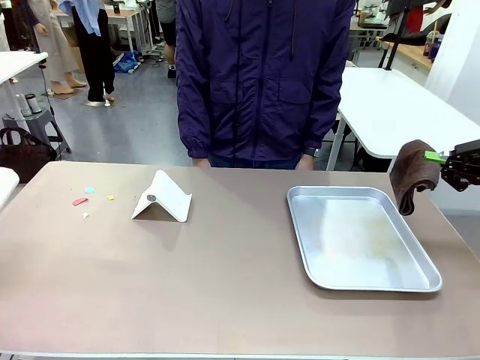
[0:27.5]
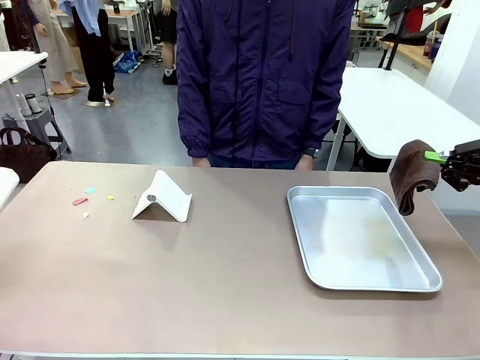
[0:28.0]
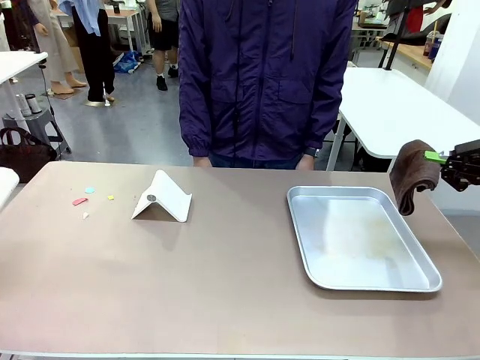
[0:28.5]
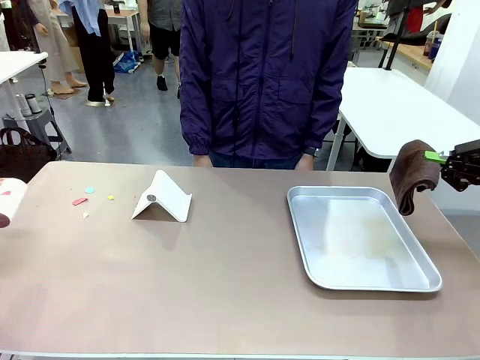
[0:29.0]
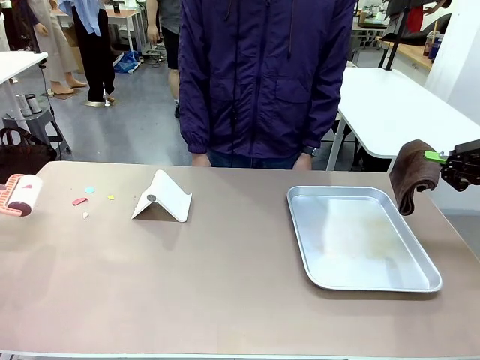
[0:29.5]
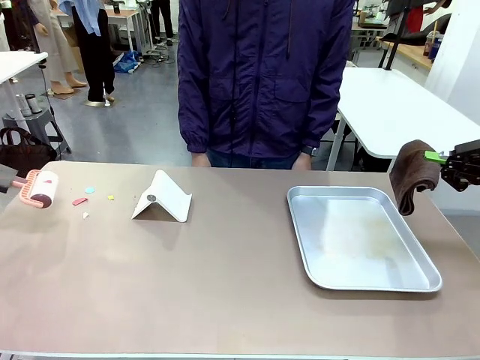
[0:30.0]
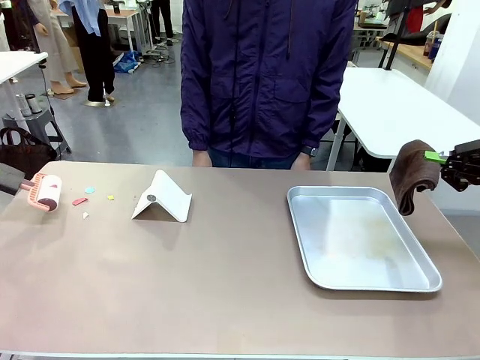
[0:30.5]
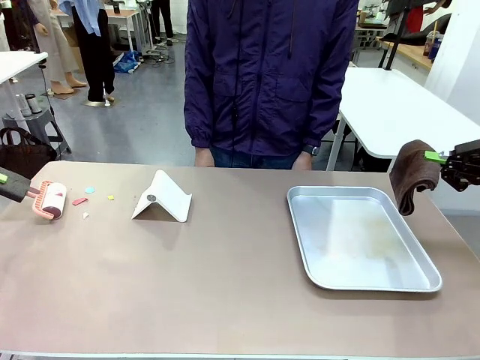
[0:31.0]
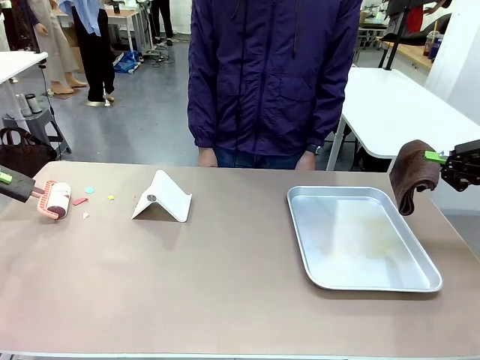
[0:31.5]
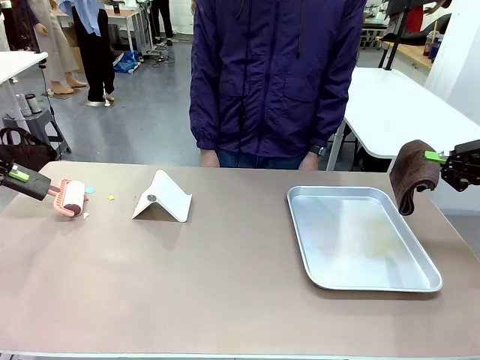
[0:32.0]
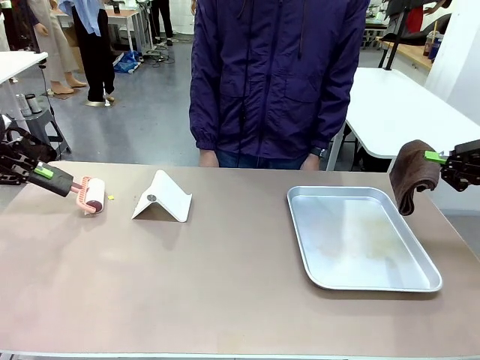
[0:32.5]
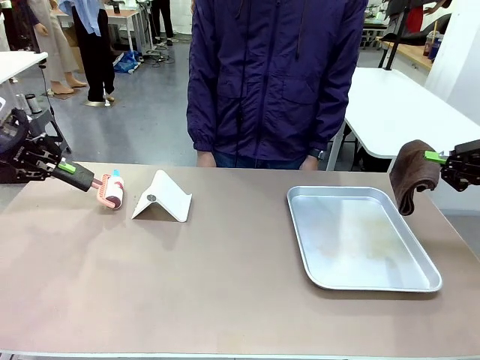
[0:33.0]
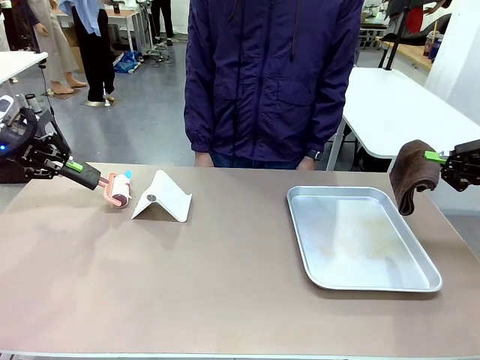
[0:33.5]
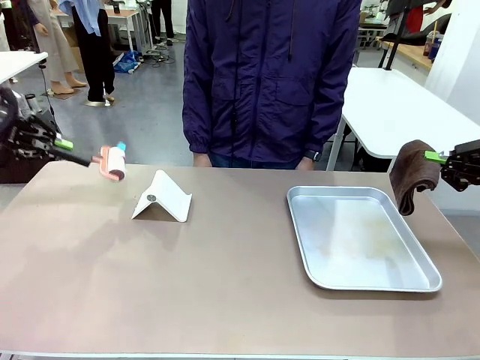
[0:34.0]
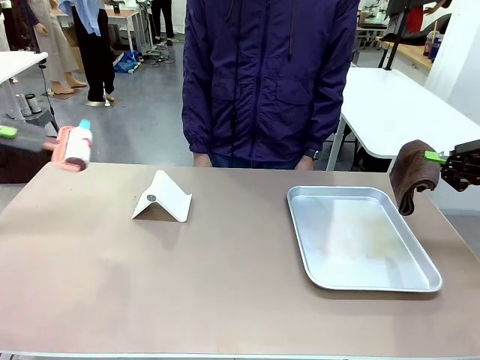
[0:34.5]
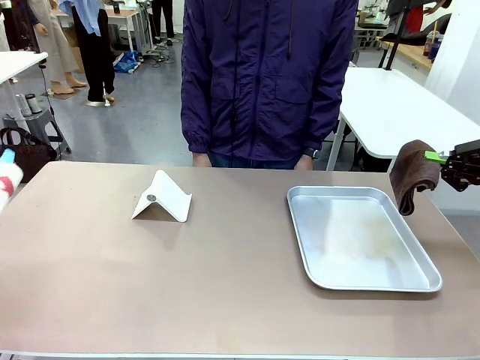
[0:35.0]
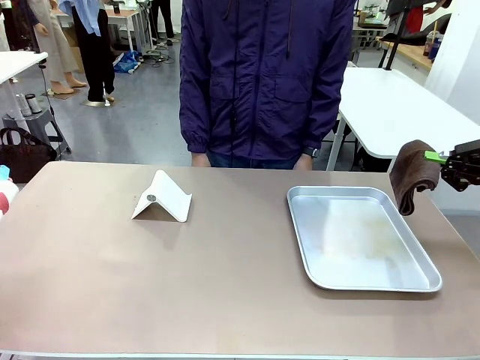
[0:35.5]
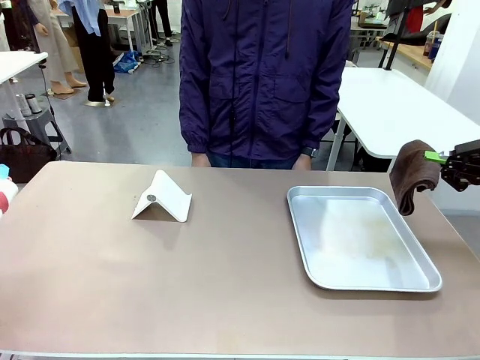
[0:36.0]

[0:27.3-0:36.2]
Task: Clean the surface of the table.
Robot: Clean the area not pointed to by the person.

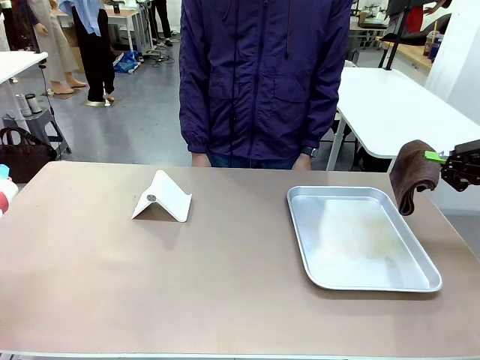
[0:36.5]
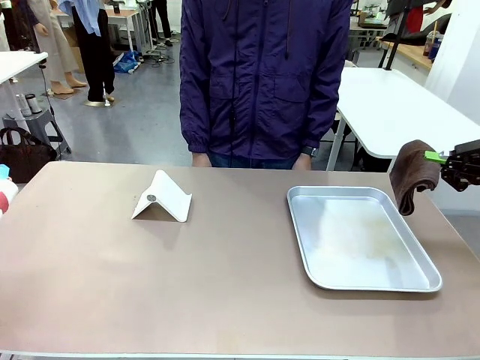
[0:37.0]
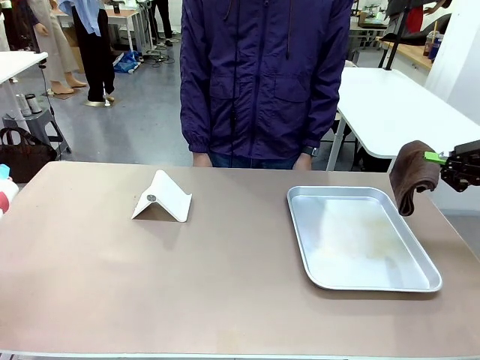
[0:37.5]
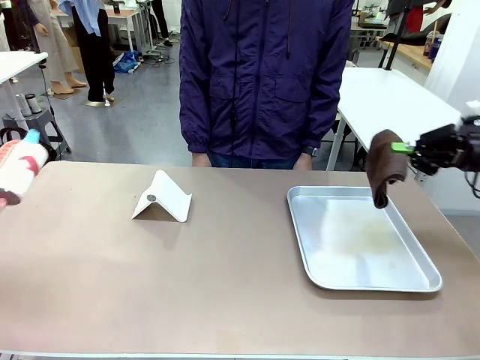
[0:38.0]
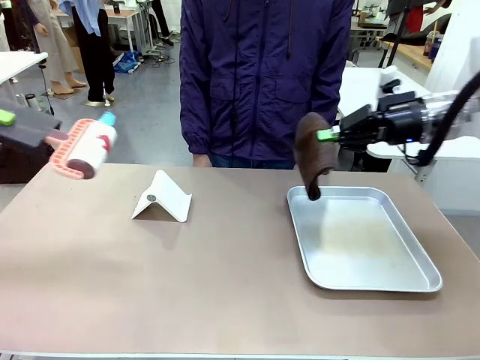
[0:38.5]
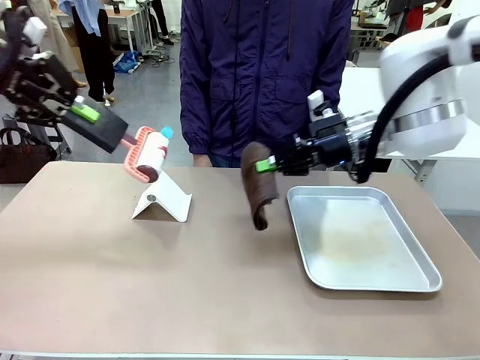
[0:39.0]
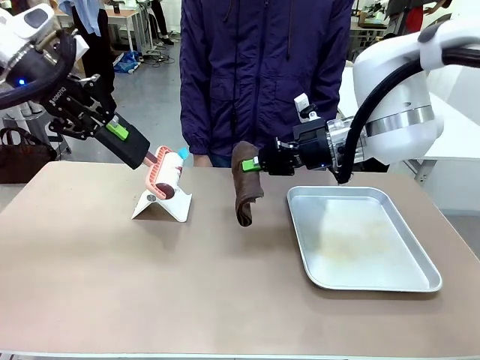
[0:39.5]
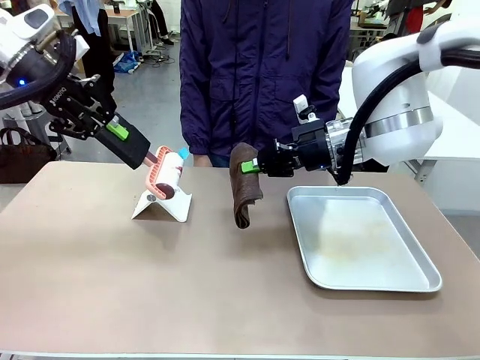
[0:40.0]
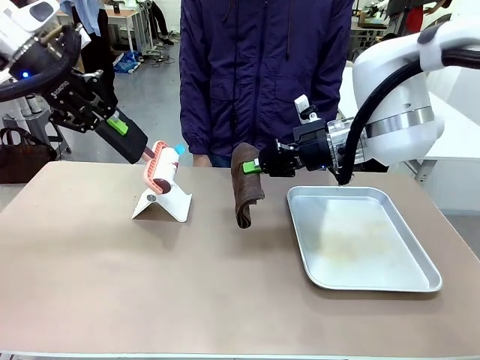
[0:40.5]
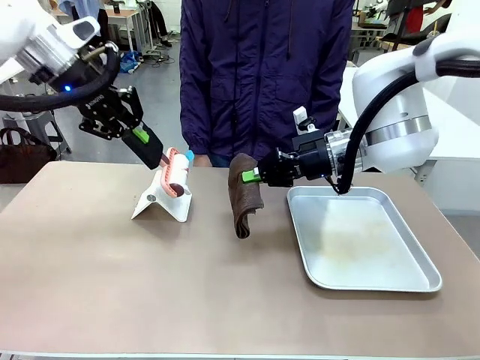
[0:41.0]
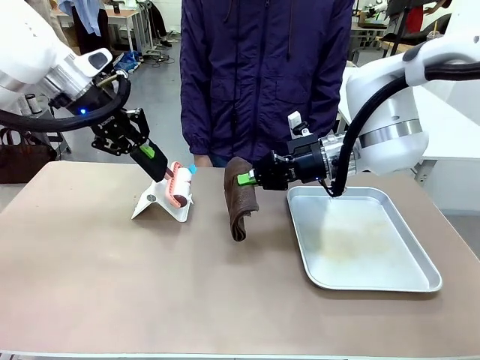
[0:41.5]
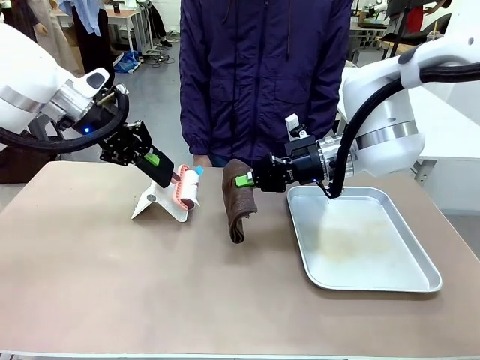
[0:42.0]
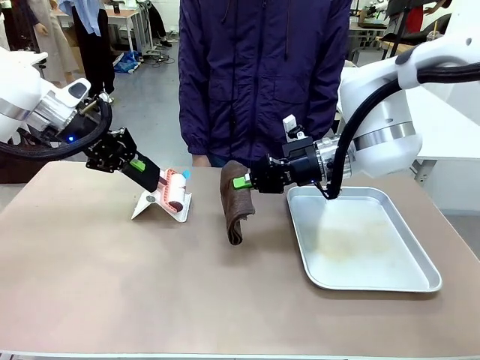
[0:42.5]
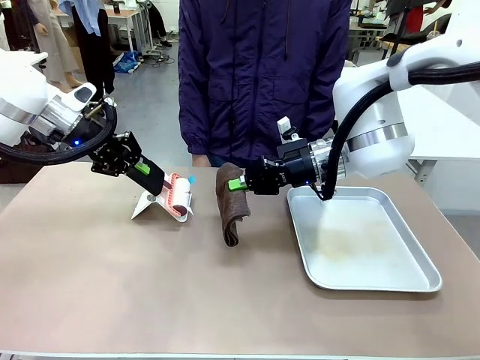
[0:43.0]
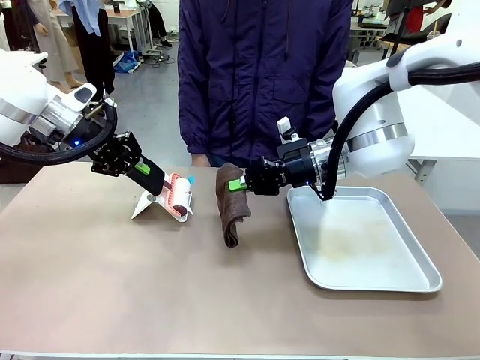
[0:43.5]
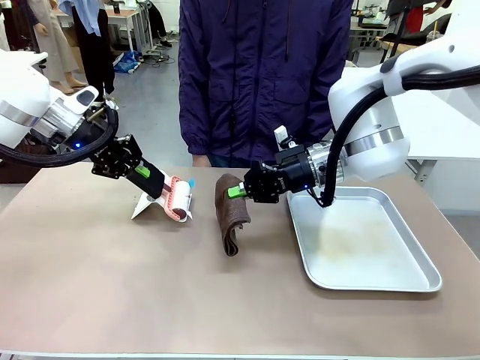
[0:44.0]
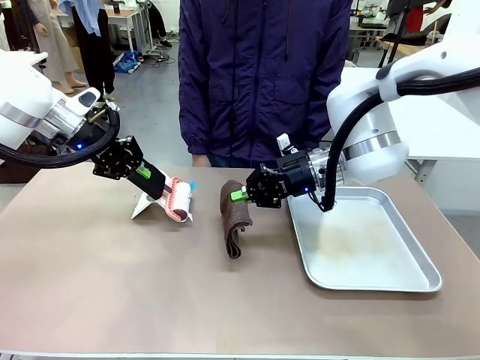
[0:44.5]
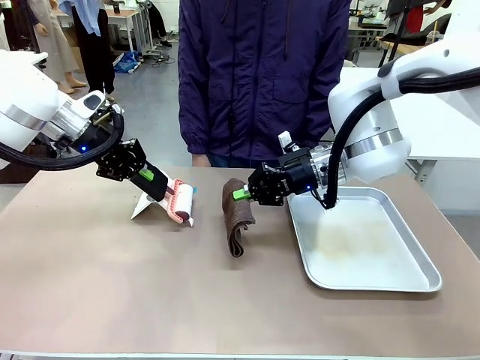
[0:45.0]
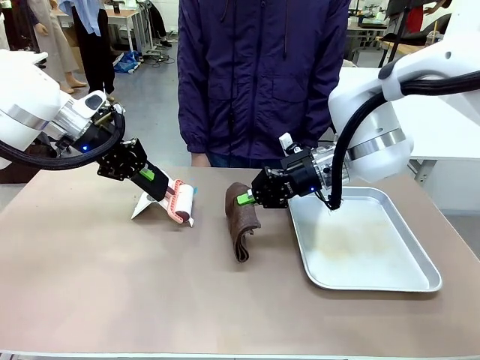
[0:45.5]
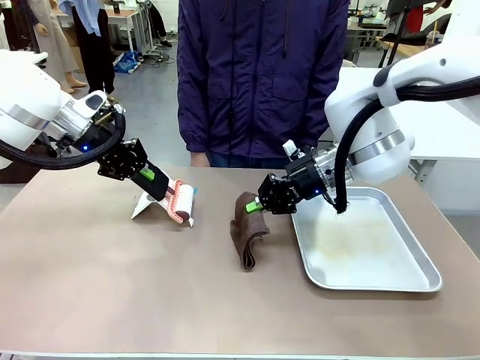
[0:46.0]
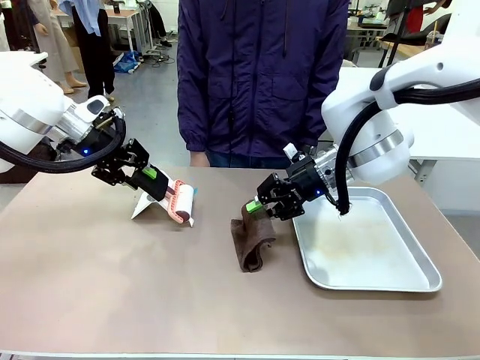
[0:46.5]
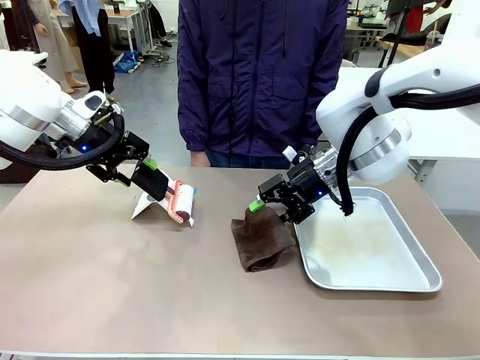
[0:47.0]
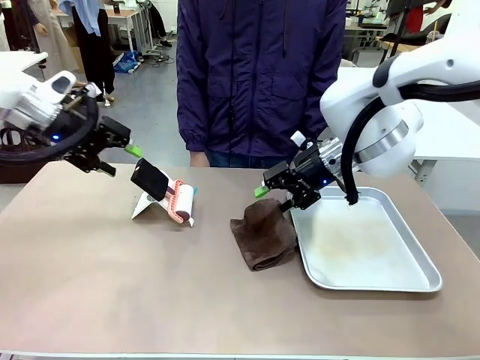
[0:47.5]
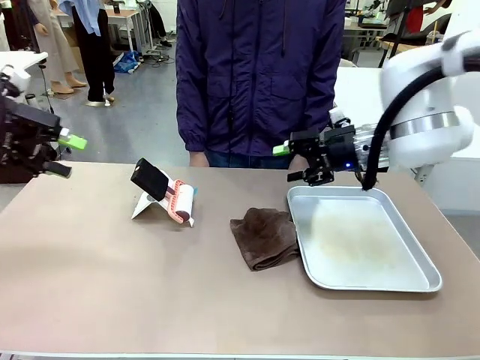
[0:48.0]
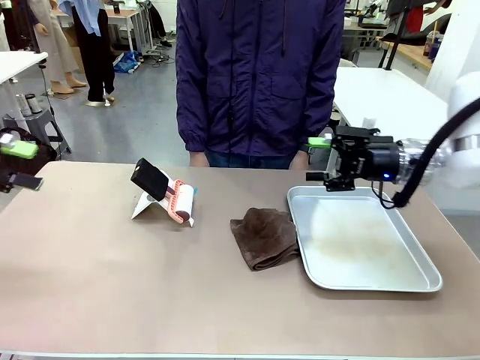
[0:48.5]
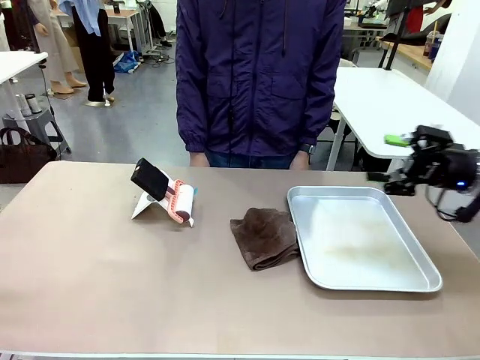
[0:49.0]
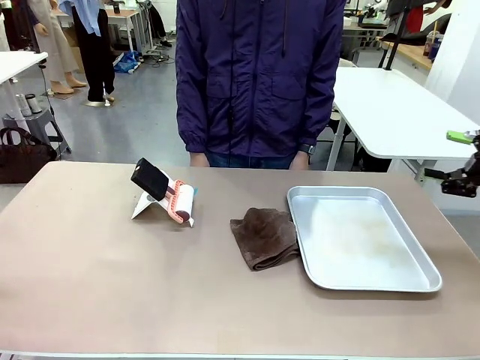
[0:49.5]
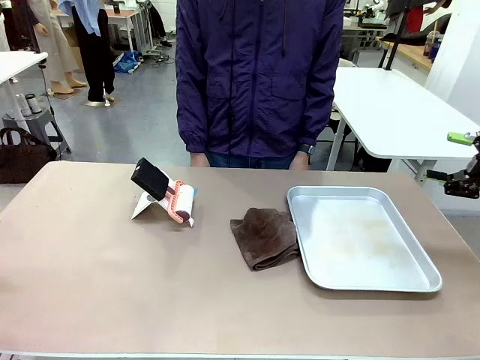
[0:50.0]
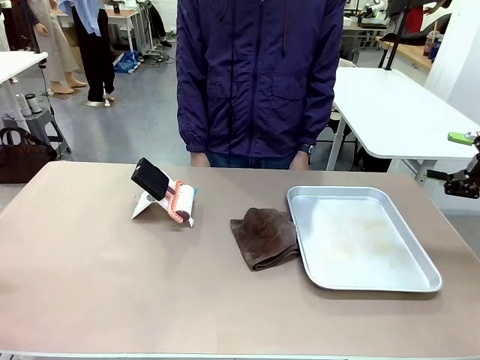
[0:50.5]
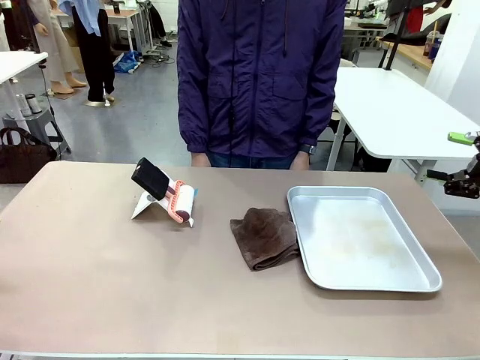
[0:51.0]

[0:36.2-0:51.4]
Robot: Return the Lint Roller and towel to their original positions.

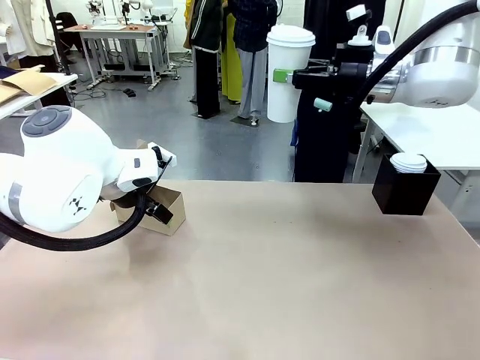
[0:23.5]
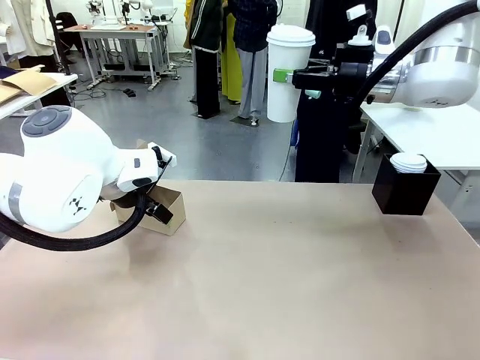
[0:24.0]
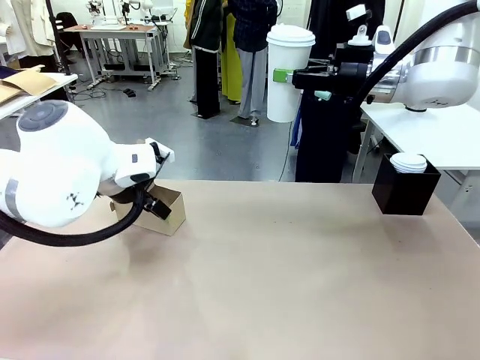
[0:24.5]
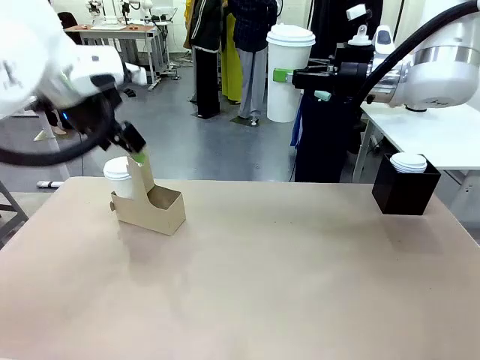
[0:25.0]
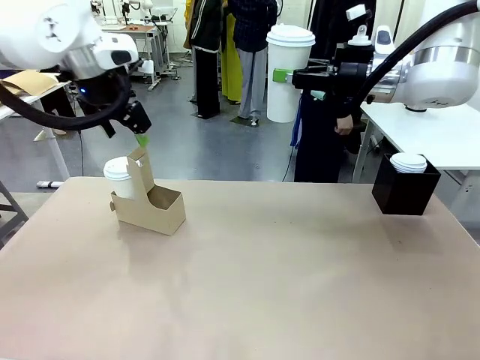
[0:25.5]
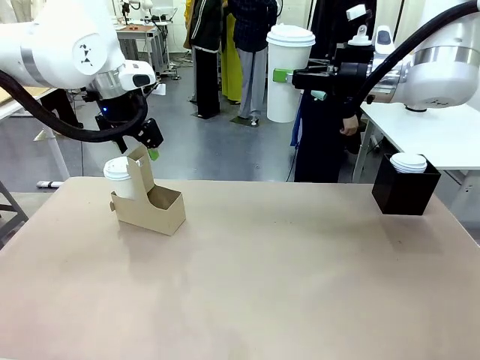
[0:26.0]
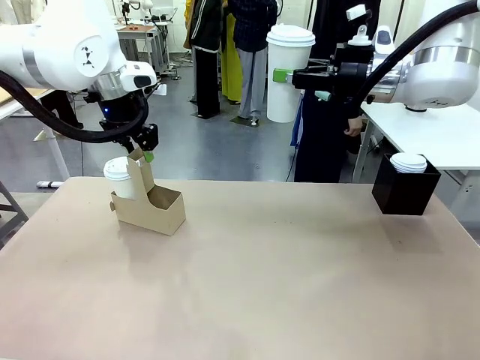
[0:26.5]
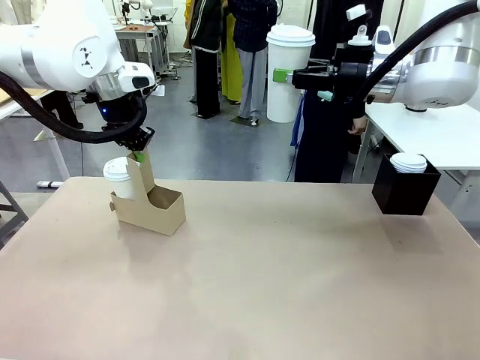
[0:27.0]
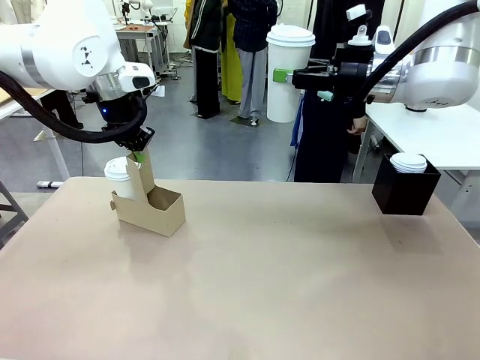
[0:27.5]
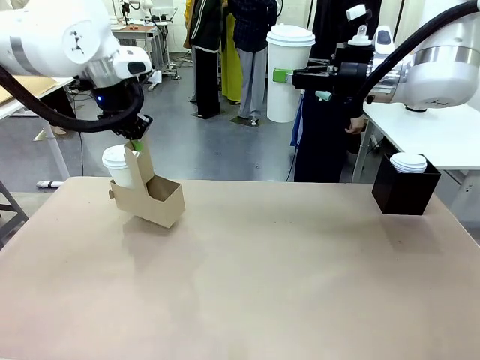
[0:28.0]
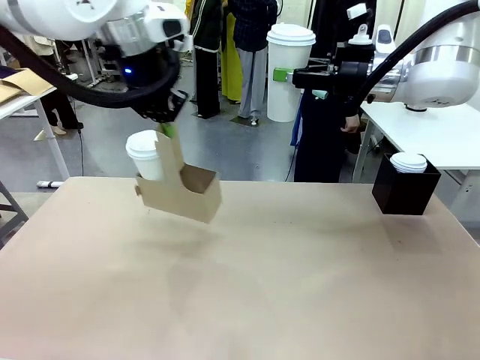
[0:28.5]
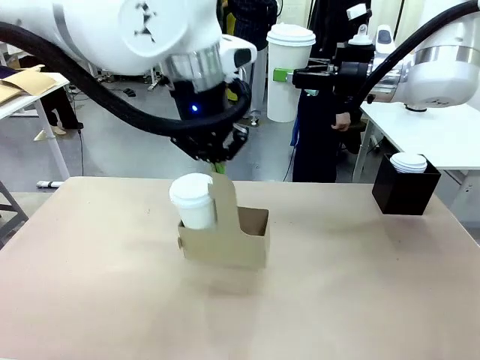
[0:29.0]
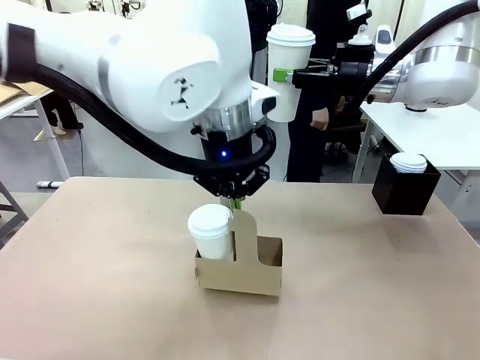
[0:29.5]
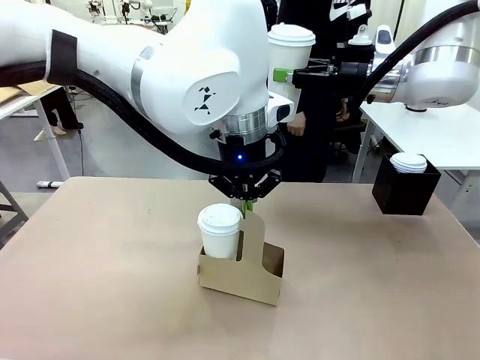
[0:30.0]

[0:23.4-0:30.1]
Task: Pour a drink into a cup and package it in a carrier.
Robot: Position the Cup Carrier in the center of the table.
